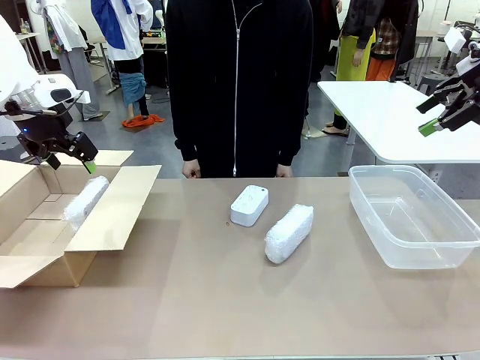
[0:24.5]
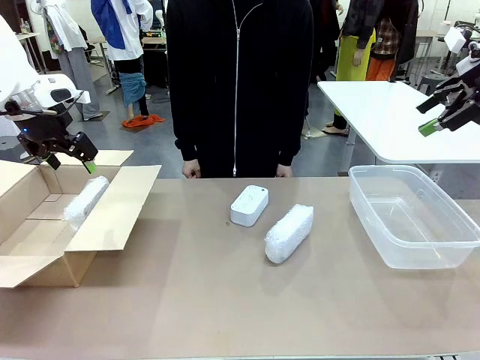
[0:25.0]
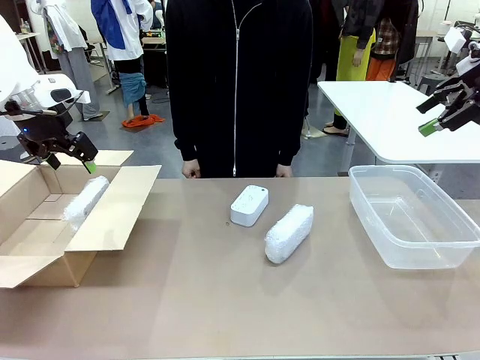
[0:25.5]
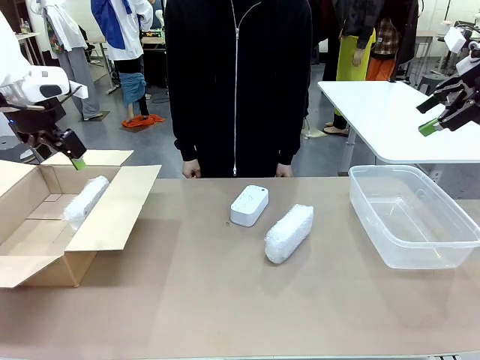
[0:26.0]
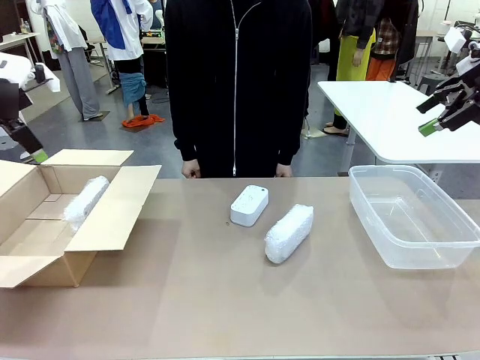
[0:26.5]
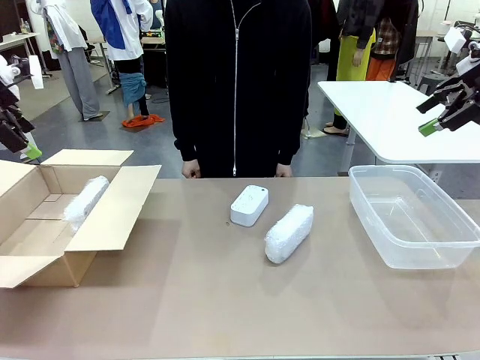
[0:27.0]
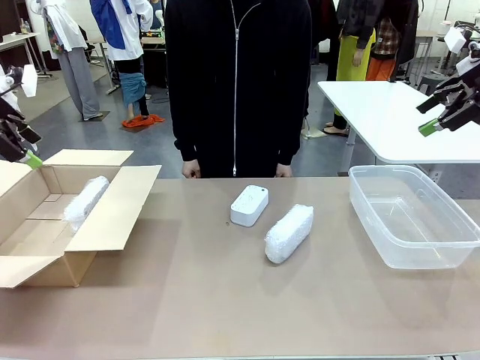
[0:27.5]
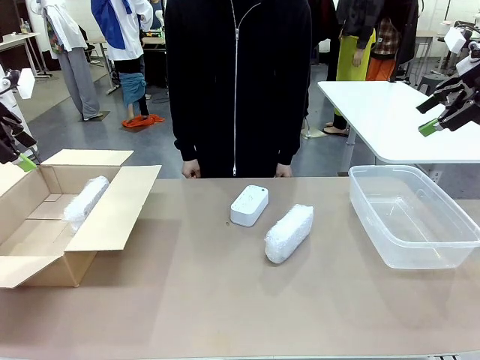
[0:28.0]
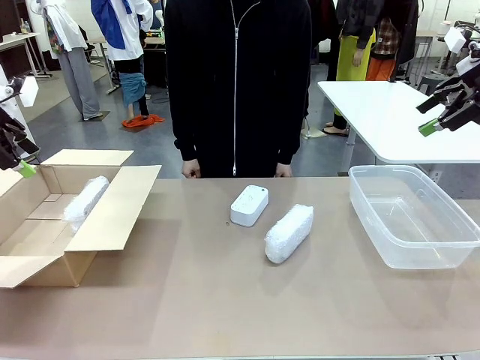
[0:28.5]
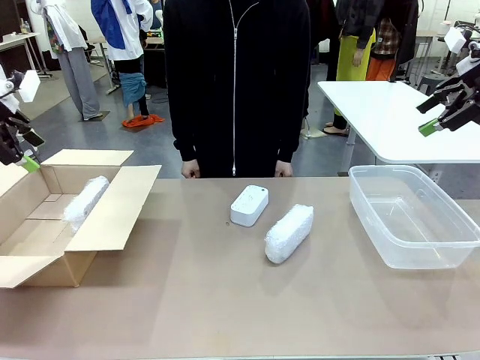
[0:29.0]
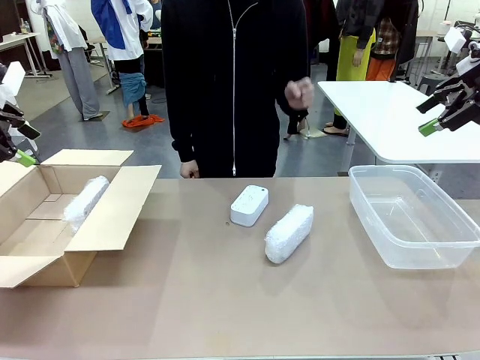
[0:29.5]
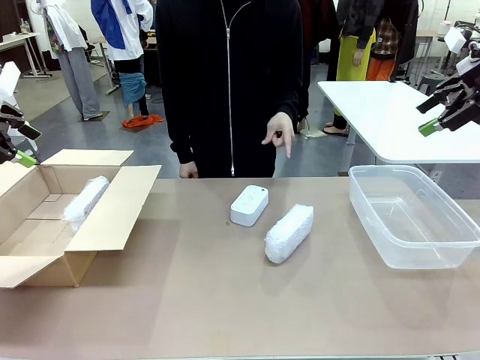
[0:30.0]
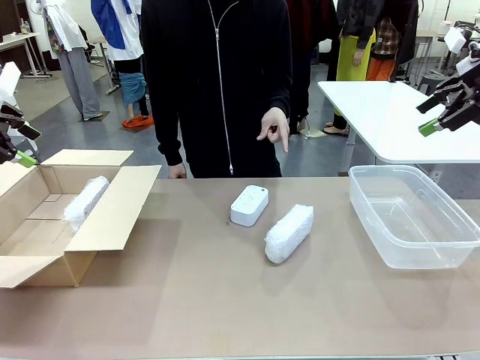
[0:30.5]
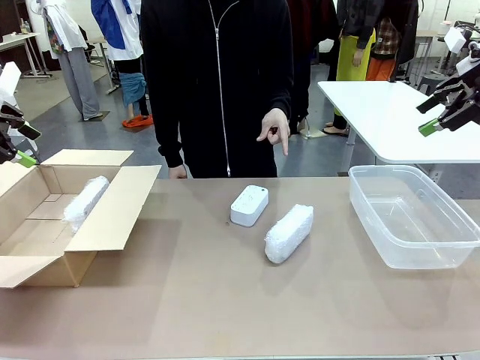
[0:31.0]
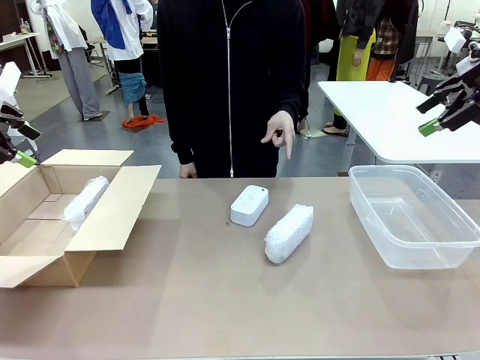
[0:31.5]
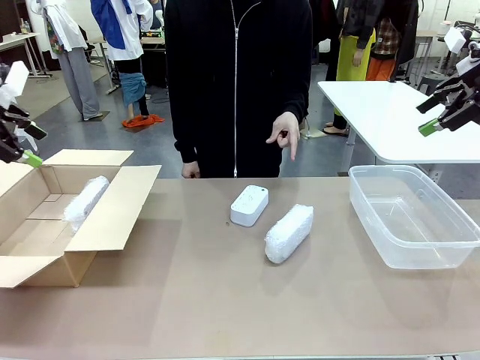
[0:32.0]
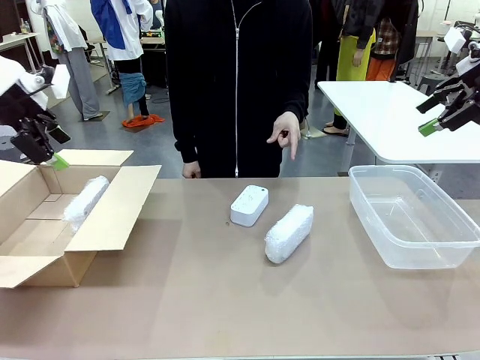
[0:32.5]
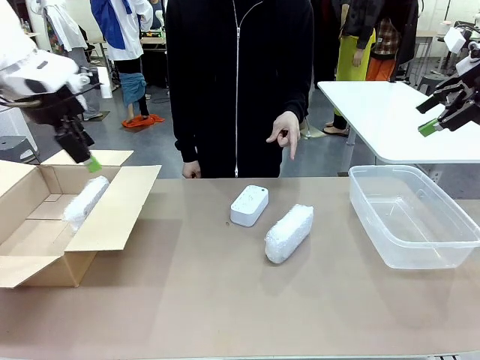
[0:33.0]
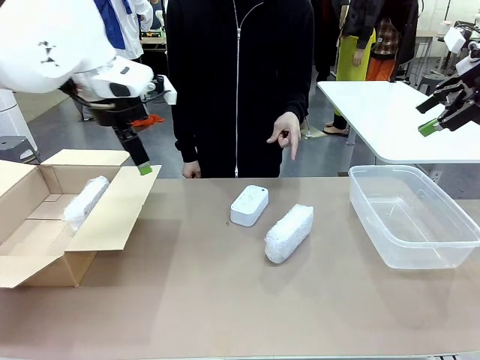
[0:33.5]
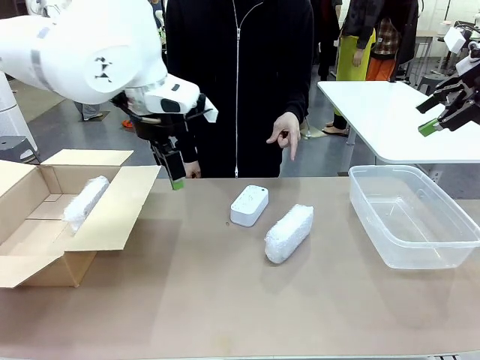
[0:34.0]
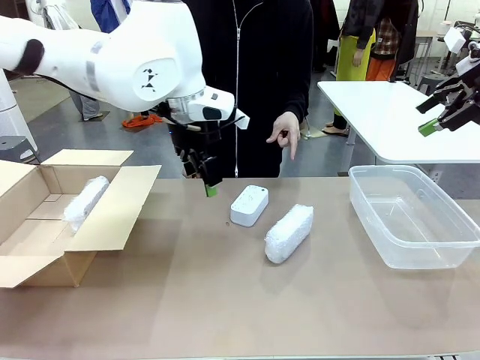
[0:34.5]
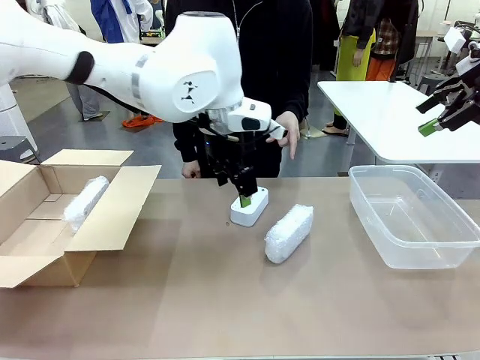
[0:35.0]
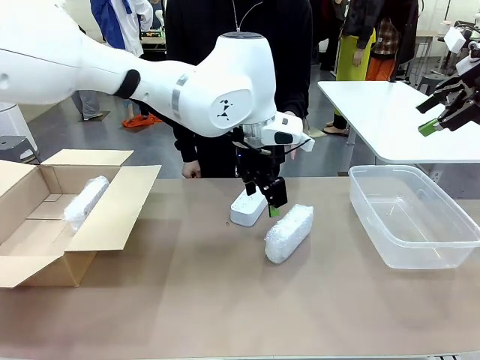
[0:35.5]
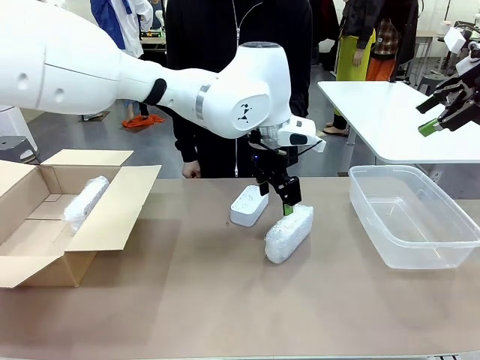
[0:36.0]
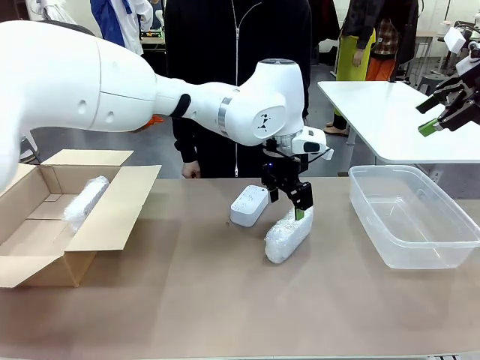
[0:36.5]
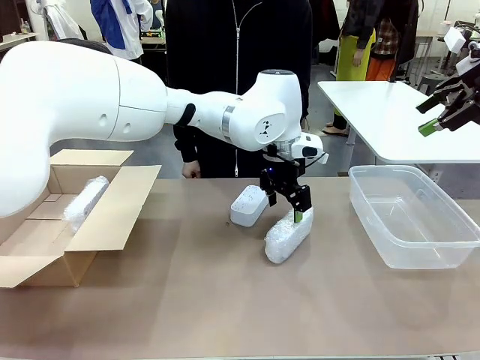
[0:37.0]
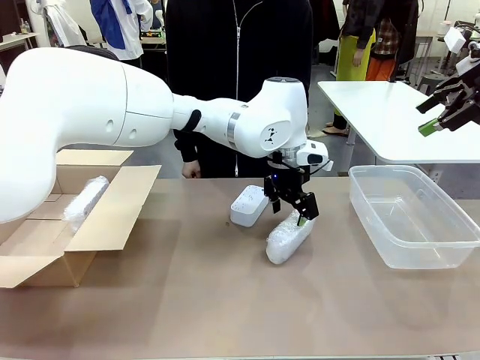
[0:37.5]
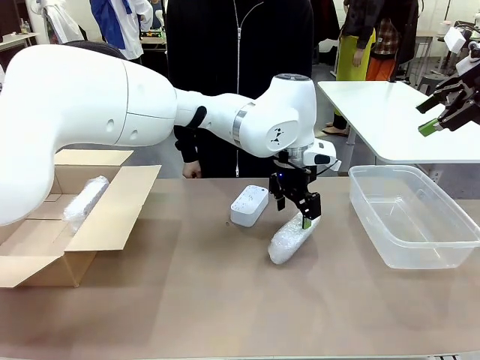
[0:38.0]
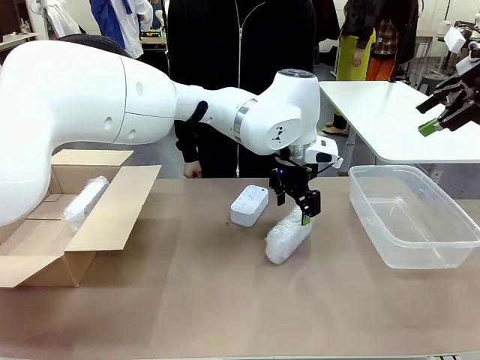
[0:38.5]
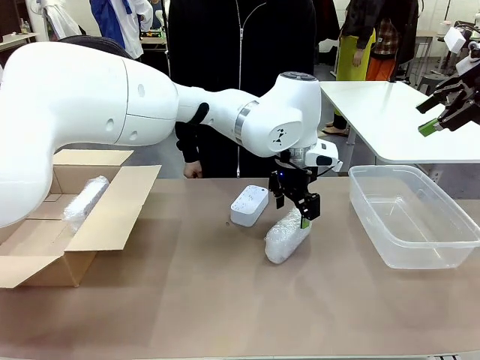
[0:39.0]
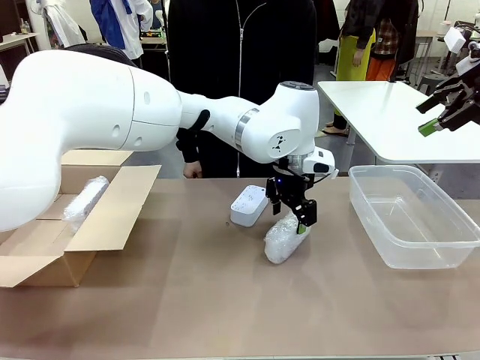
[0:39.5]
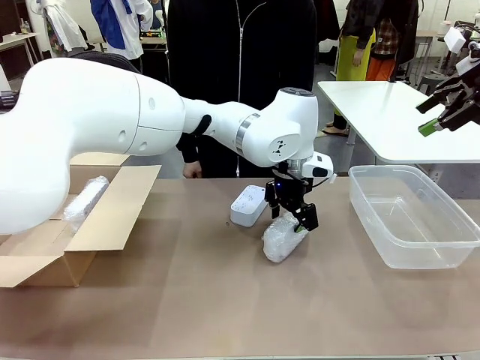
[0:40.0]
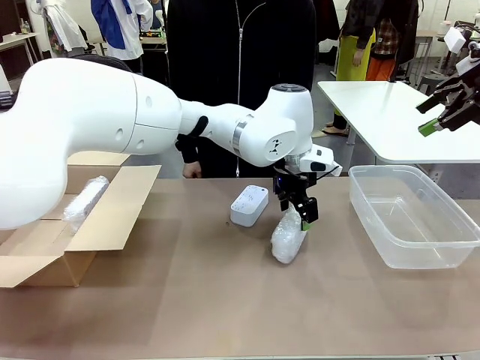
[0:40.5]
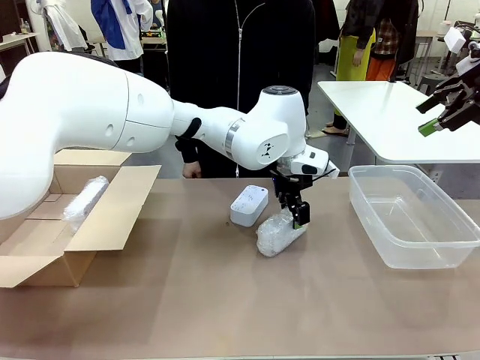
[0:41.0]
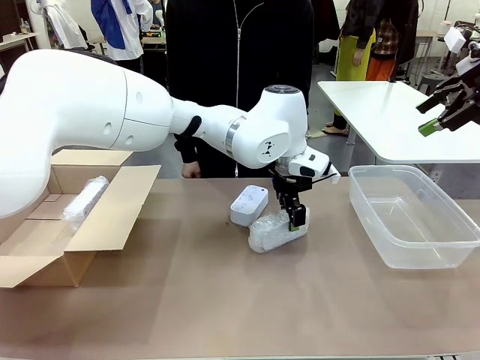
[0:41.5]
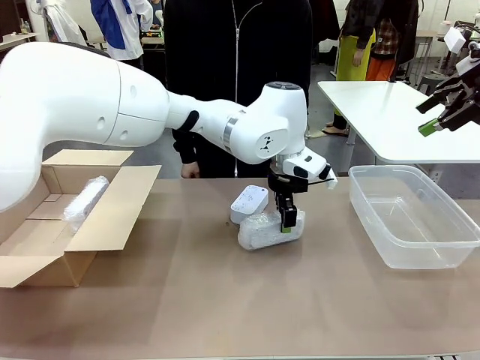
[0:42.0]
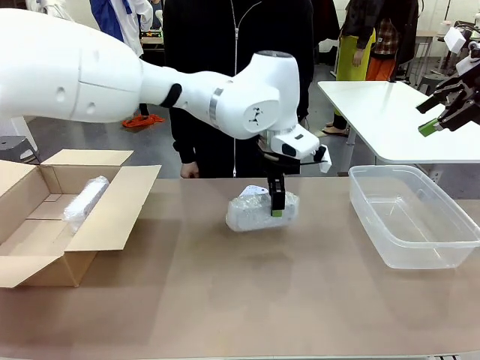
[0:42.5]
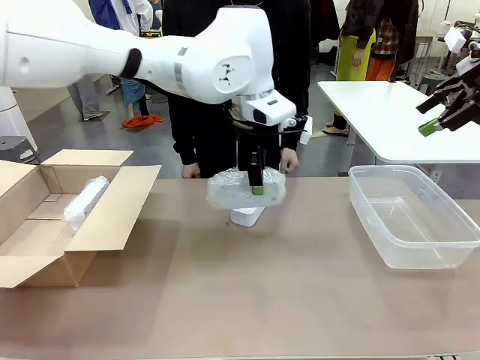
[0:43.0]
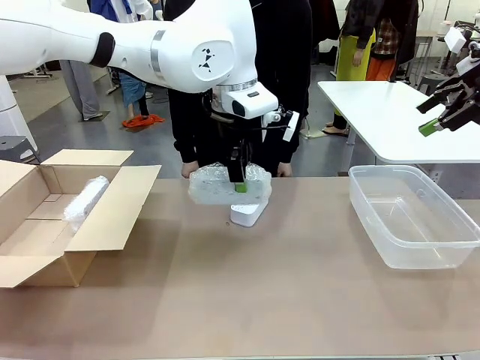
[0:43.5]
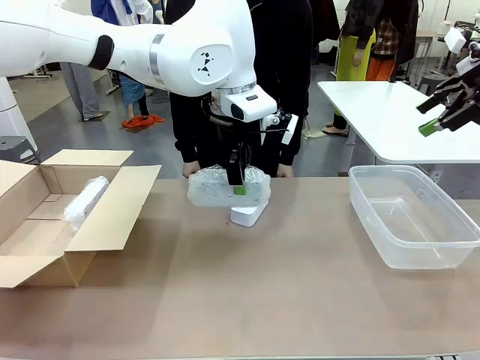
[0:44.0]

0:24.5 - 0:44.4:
Task: Separate and place wrapped and unwrapped clocks.
Robot: Pick up the Digital clock indicated by the person.

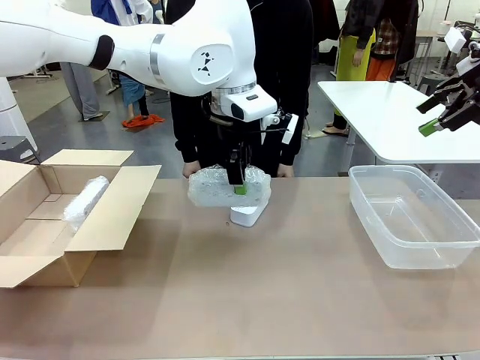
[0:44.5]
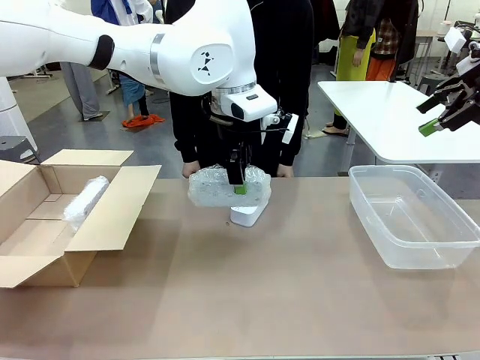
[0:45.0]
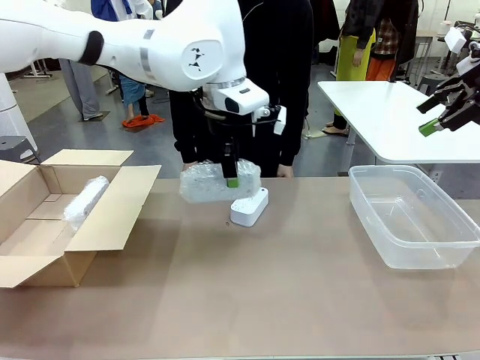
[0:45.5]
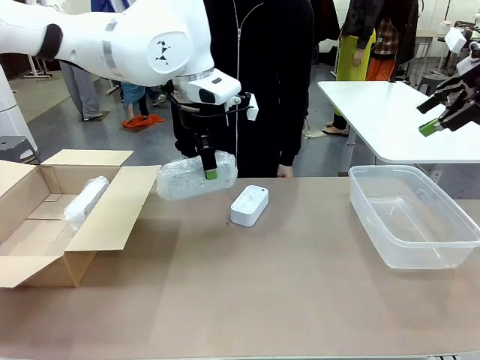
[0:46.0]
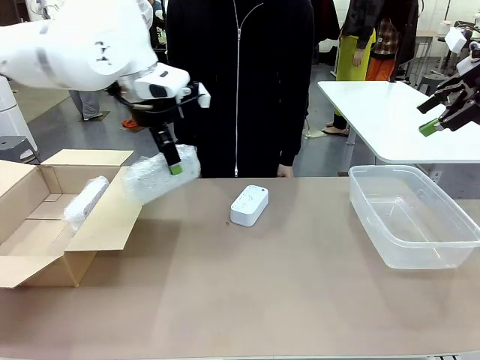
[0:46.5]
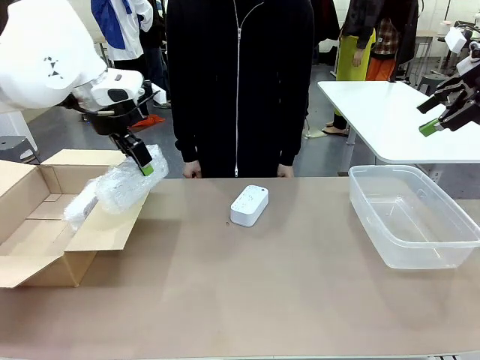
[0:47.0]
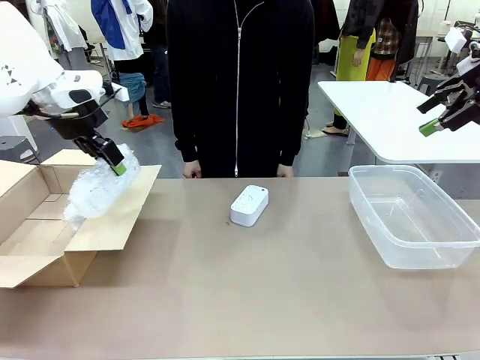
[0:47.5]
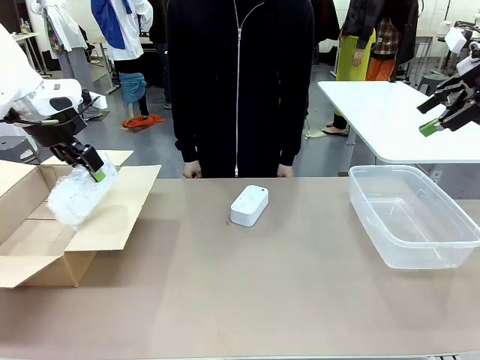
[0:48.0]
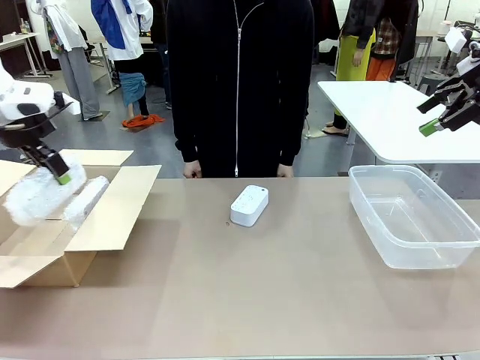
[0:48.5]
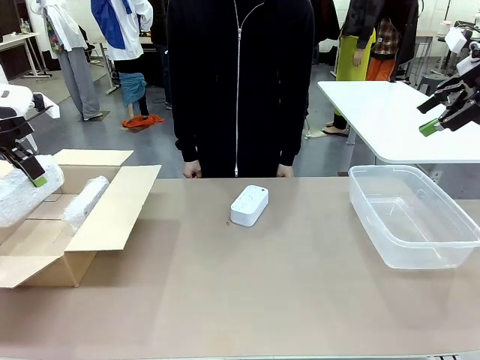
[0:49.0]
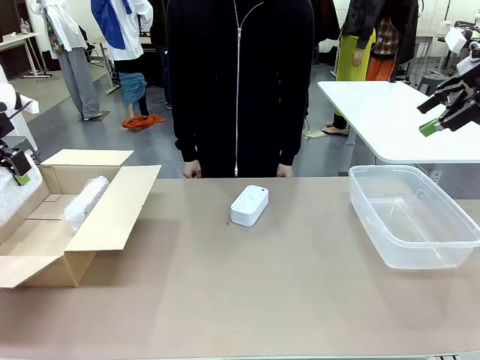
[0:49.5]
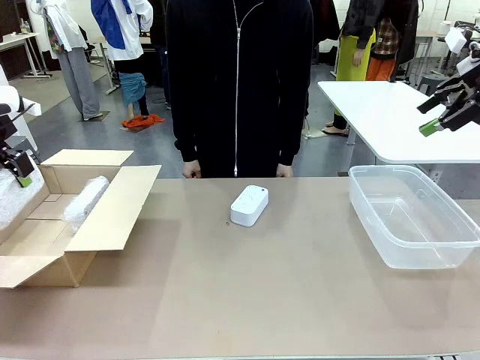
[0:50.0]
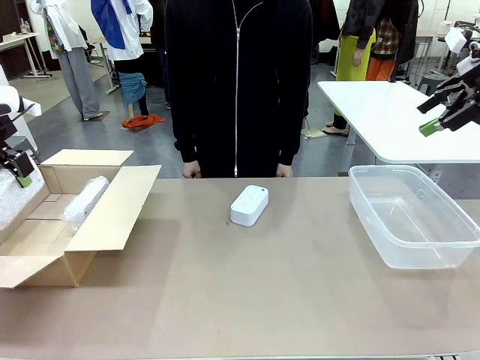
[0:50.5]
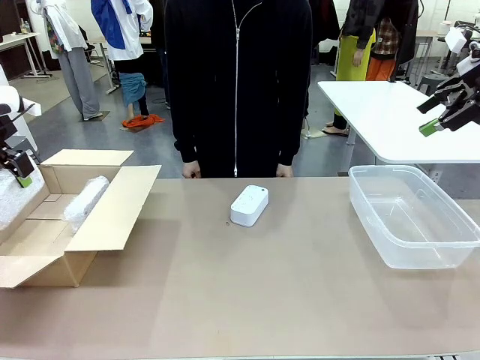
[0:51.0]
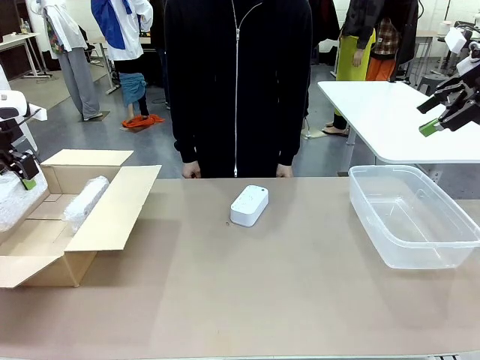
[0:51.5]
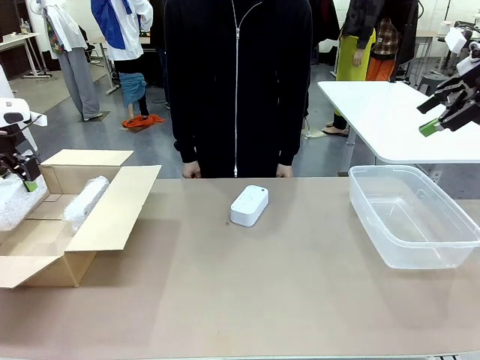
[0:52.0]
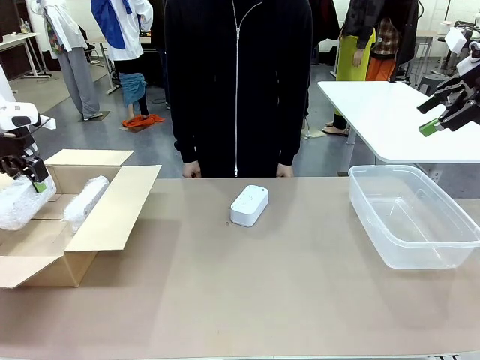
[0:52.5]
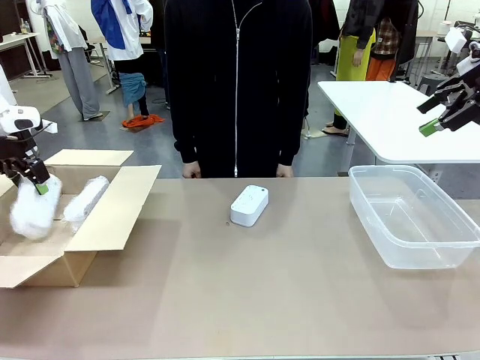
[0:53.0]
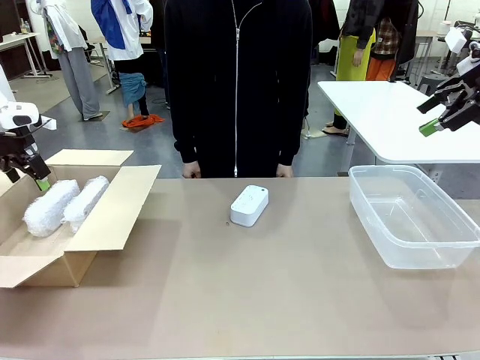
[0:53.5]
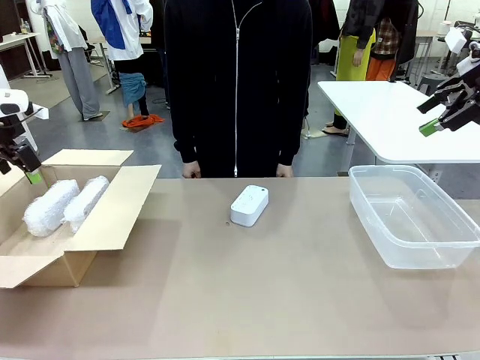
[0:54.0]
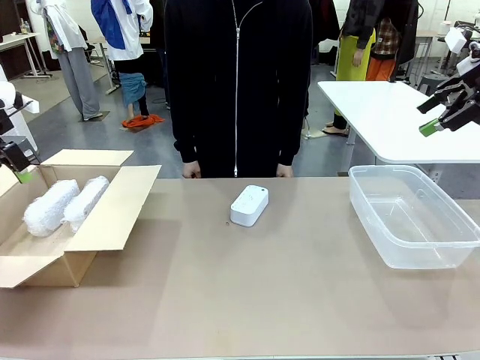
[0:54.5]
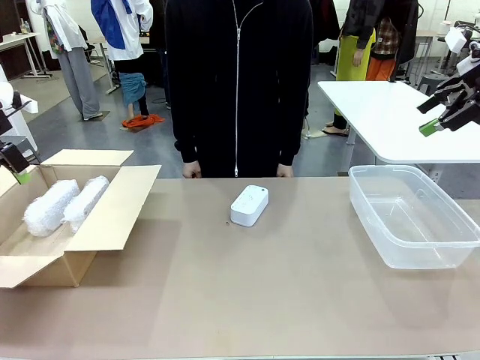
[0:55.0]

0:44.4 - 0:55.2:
Robot: If the picked Digital clock is wrapped, place it in the Package Box ; if not, place it in the Organizing box.
